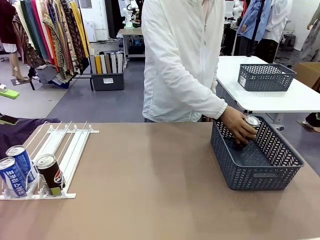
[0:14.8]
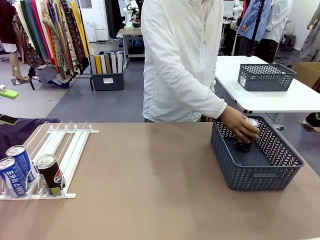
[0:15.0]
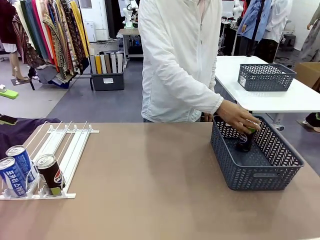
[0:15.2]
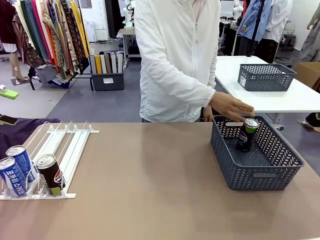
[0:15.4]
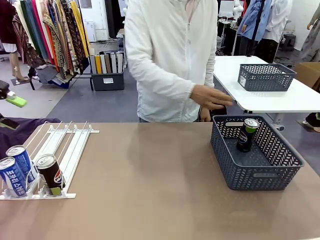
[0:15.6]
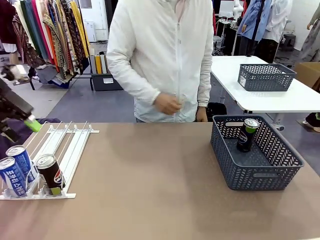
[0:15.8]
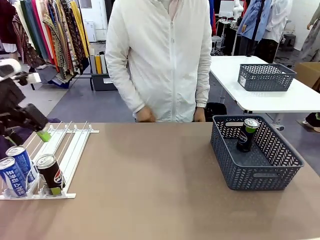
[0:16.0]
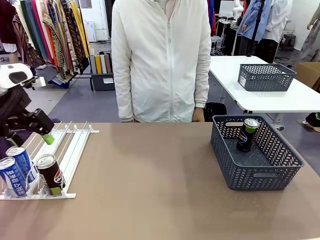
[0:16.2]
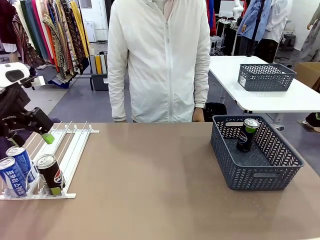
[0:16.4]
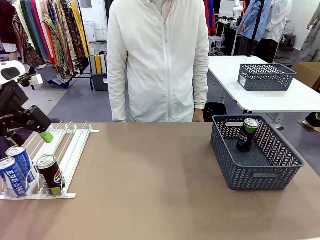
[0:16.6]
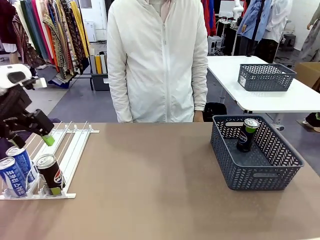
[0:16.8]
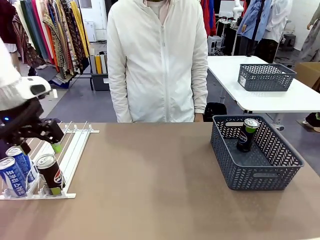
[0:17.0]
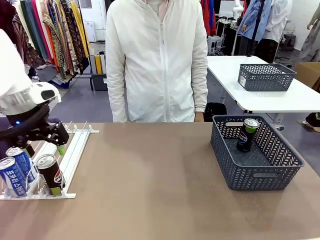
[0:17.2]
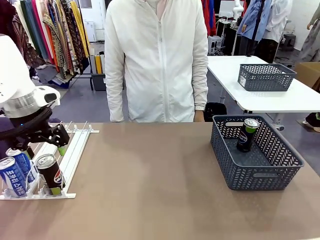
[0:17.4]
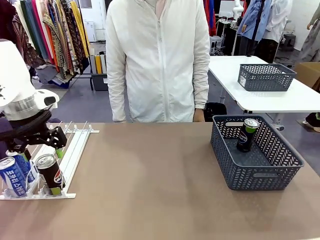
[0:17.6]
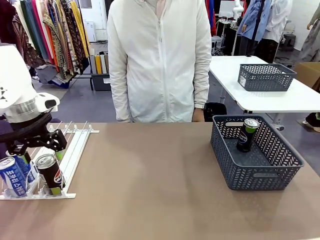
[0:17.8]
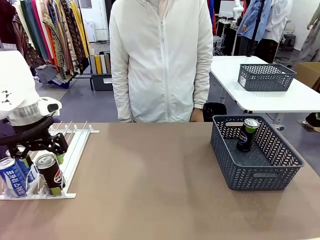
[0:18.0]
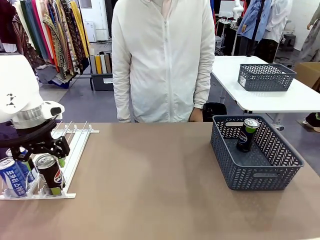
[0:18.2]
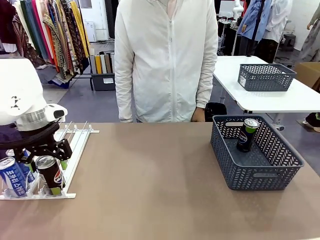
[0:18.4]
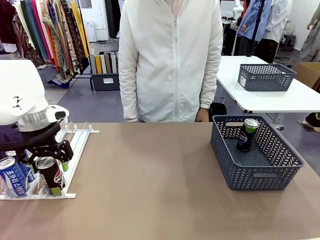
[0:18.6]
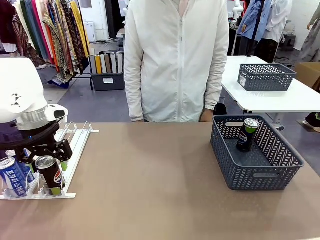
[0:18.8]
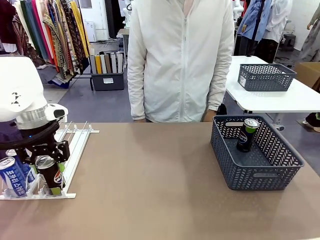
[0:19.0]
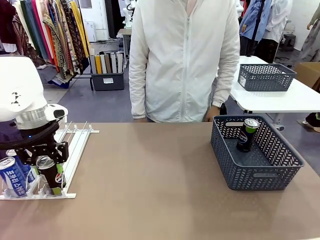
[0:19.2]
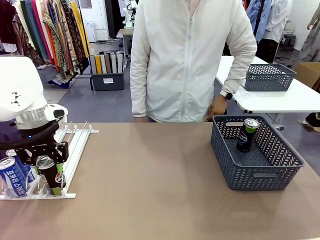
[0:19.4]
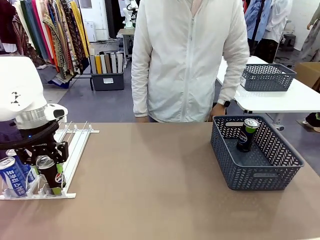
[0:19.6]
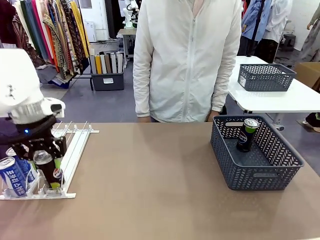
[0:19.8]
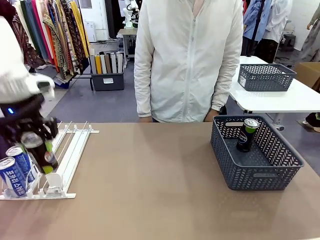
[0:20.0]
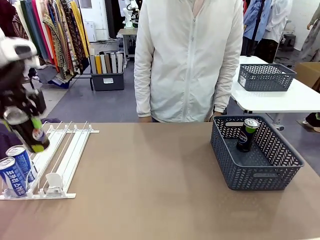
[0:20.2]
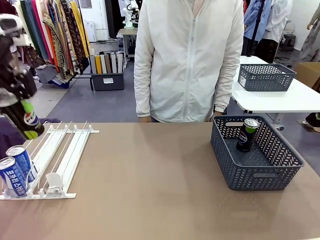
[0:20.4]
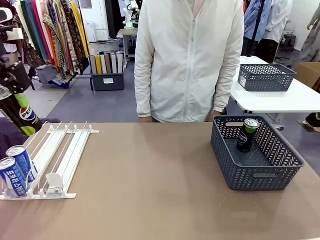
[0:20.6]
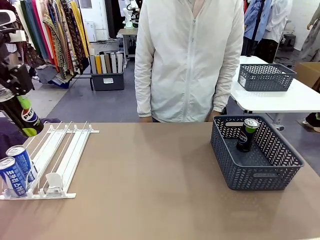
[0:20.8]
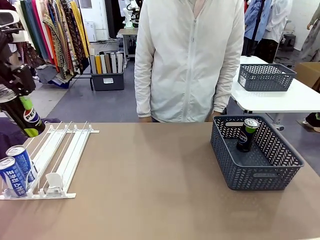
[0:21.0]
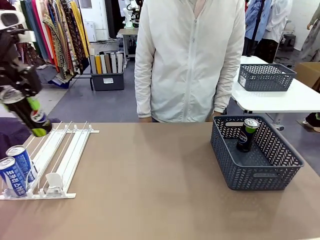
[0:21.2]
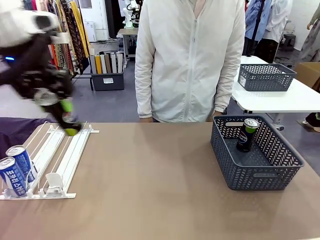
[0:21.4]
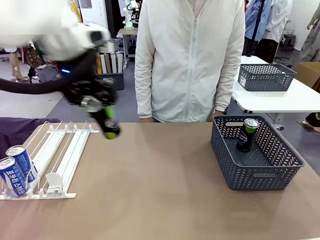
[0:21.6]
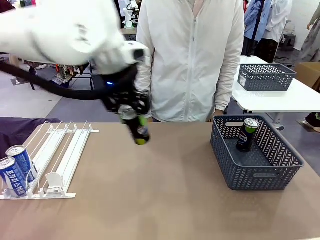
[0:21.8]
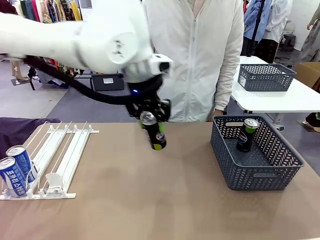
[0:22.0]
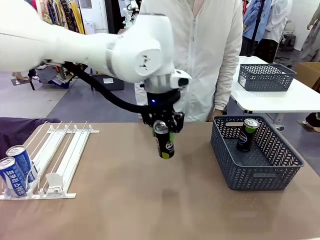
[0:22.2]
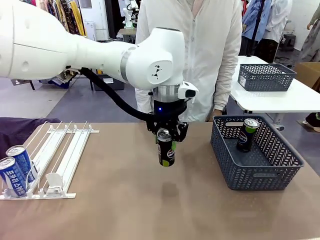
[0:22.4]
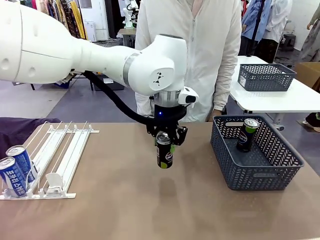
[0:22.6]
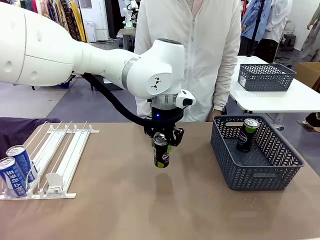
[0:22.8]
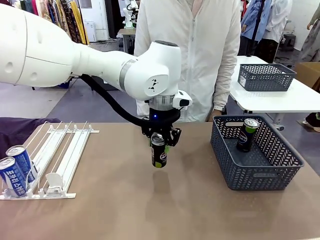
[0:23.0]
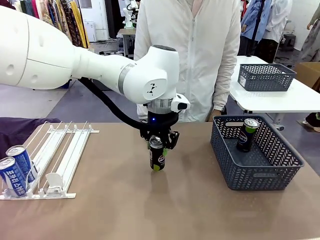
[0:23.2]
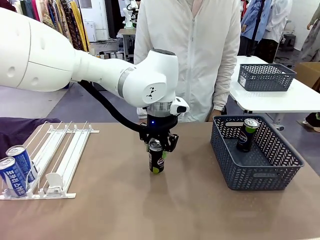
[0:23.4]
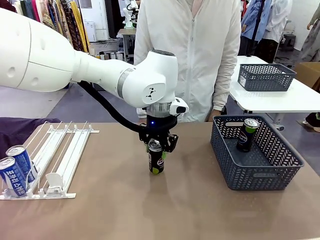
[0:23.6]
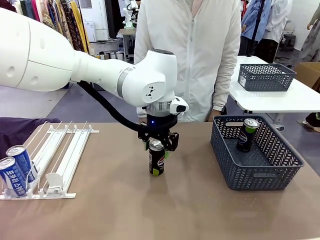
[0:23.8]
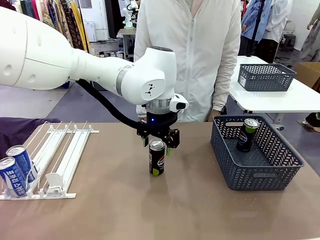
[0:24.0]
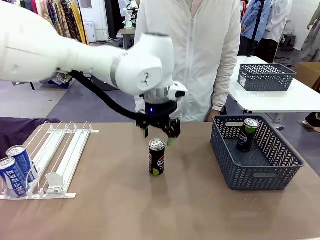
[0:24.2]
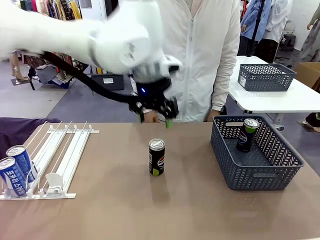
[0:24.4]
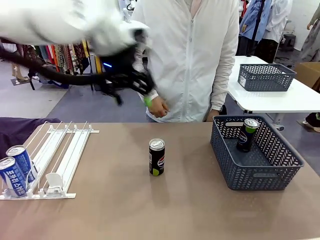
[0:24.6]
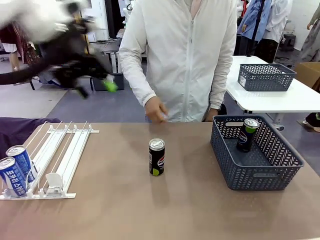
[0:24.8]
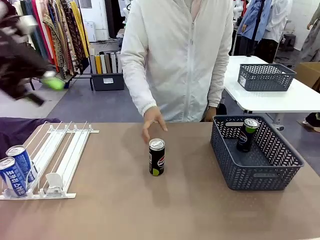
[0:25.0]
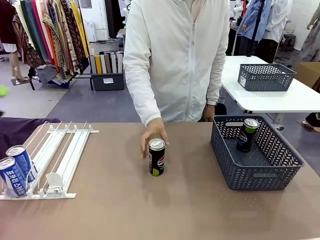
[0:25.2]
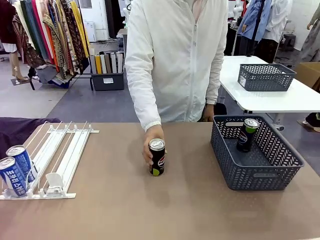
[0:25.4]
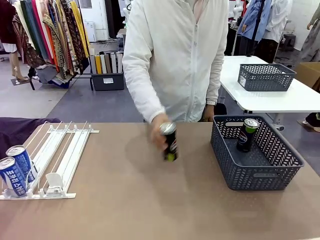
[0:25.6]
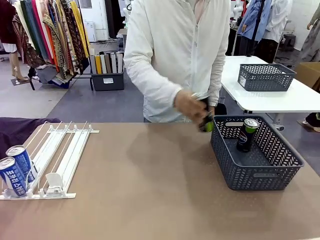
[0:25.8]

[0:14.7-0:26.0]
Task: Retrieve and store the cans from the dispenser.
Robot: Pick up the last remaining can from one row of the Automatic Can Dispenser and place it in the middle of the table.
Person: Pick up one Pepsi can from the middle of the robot table and place it in the basket.

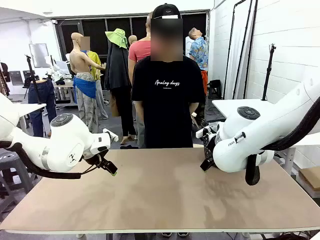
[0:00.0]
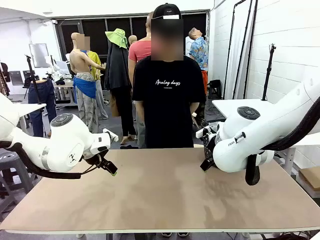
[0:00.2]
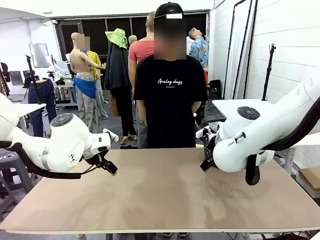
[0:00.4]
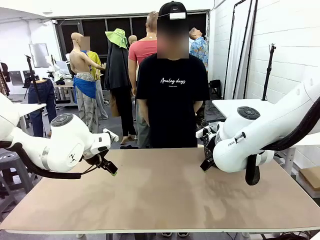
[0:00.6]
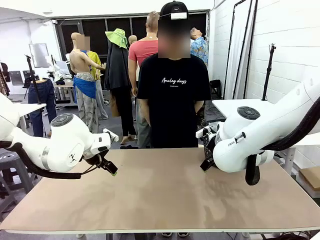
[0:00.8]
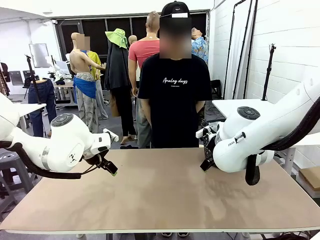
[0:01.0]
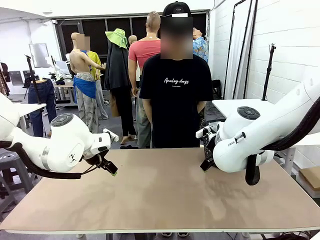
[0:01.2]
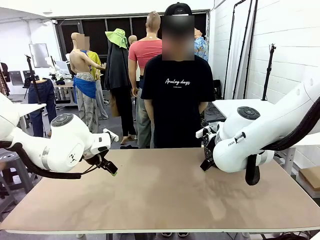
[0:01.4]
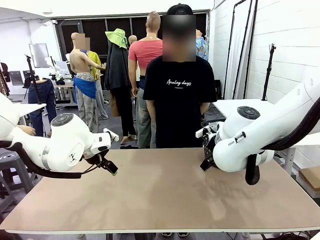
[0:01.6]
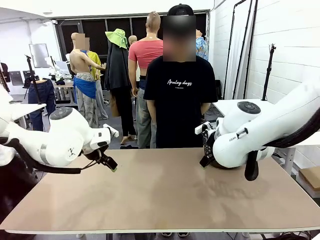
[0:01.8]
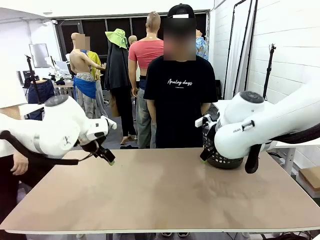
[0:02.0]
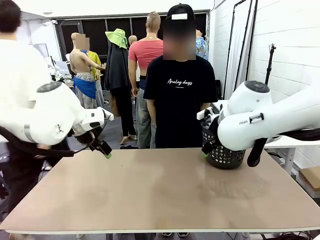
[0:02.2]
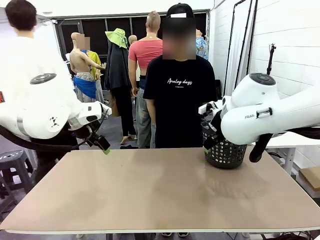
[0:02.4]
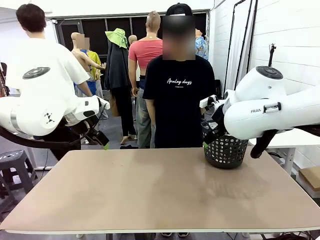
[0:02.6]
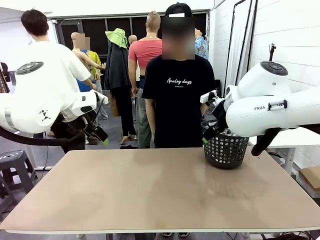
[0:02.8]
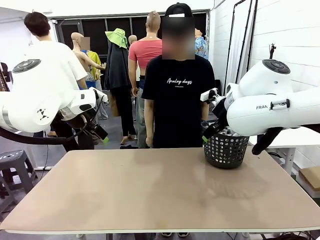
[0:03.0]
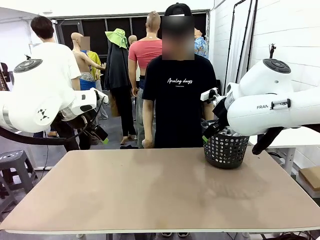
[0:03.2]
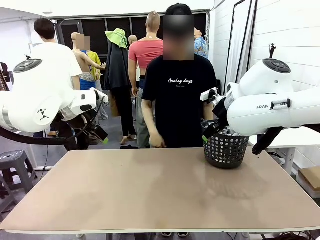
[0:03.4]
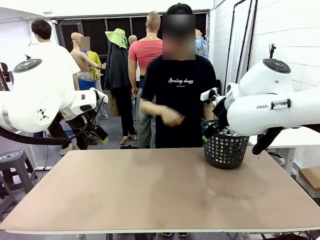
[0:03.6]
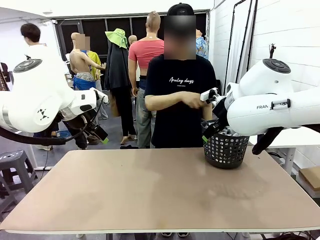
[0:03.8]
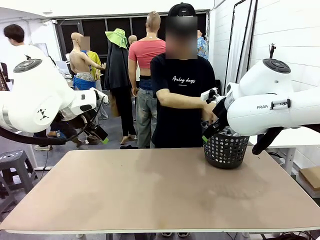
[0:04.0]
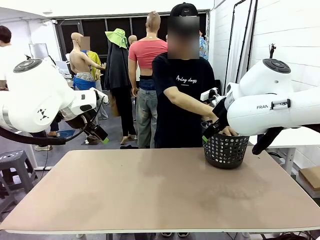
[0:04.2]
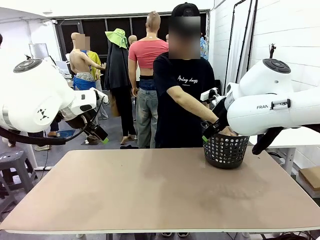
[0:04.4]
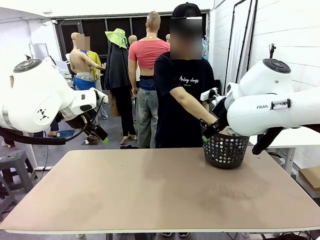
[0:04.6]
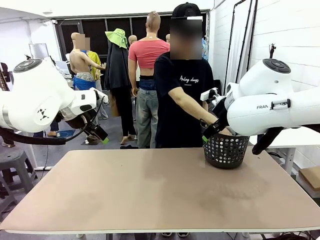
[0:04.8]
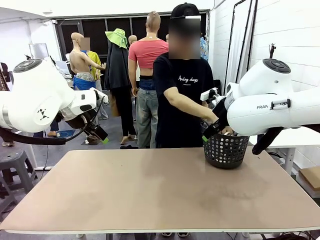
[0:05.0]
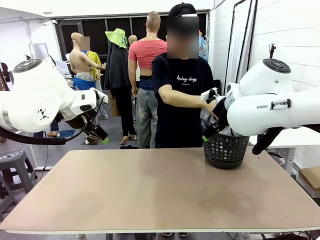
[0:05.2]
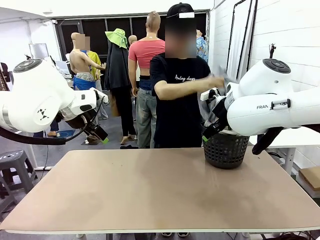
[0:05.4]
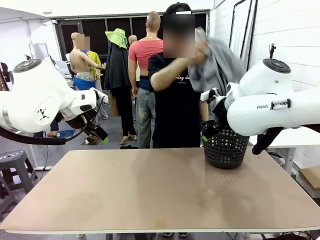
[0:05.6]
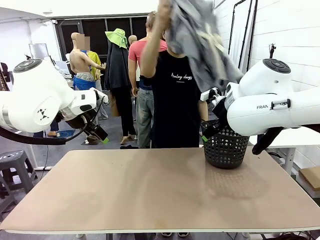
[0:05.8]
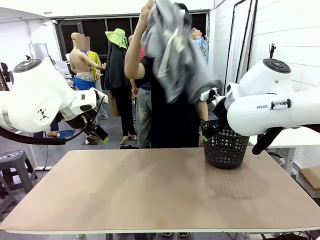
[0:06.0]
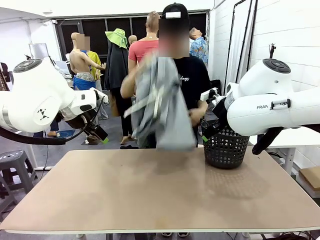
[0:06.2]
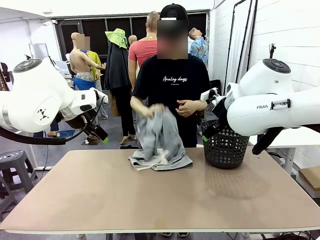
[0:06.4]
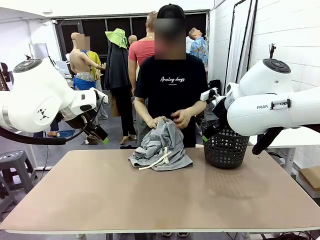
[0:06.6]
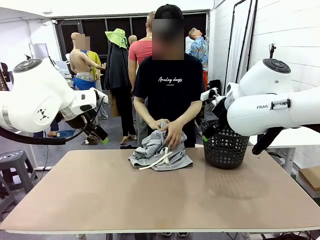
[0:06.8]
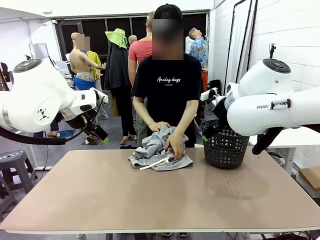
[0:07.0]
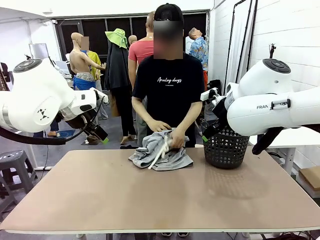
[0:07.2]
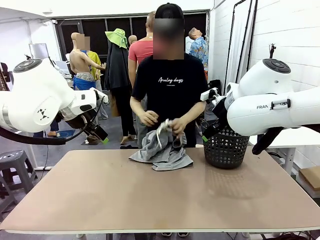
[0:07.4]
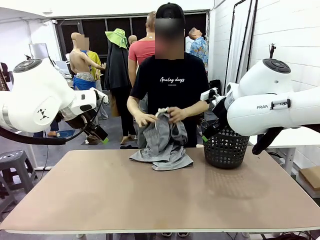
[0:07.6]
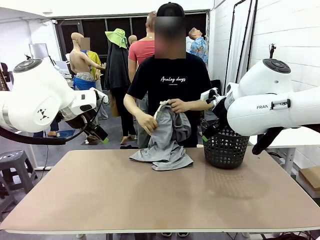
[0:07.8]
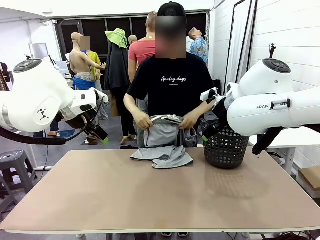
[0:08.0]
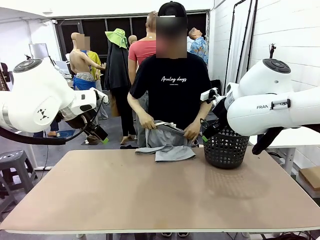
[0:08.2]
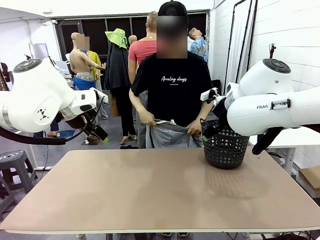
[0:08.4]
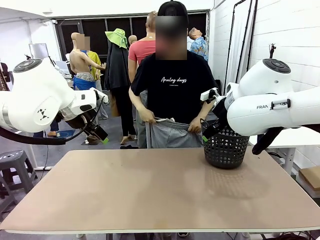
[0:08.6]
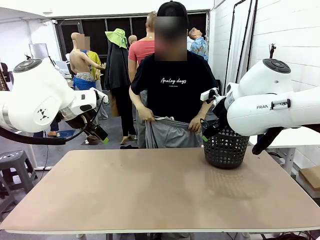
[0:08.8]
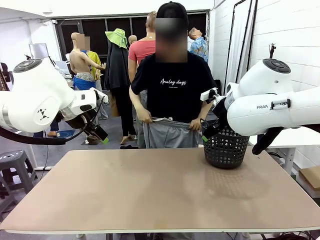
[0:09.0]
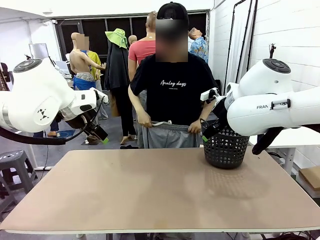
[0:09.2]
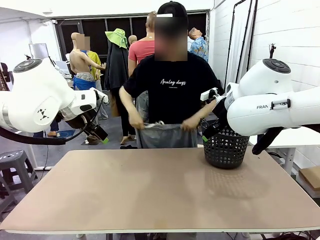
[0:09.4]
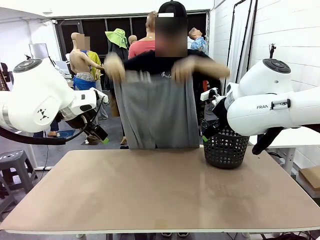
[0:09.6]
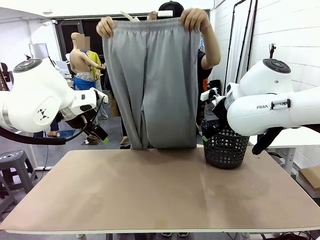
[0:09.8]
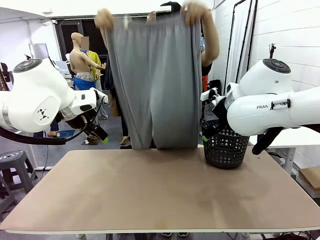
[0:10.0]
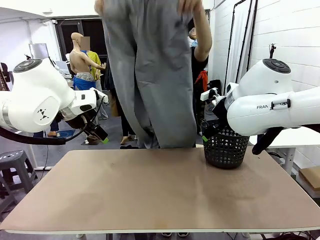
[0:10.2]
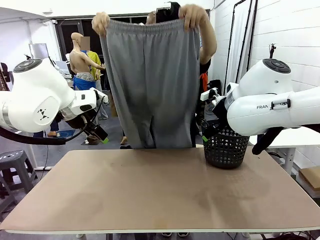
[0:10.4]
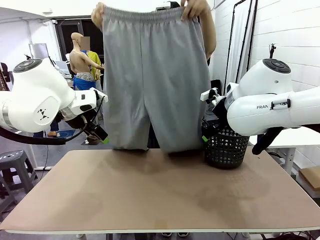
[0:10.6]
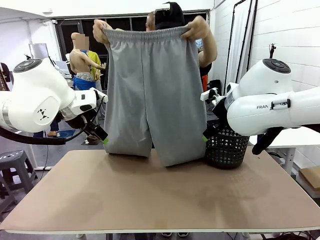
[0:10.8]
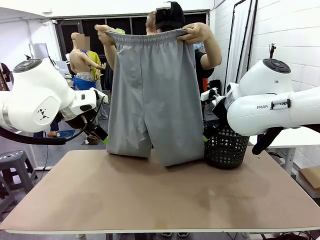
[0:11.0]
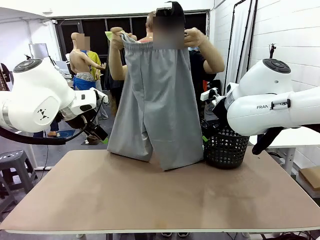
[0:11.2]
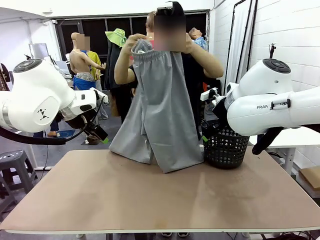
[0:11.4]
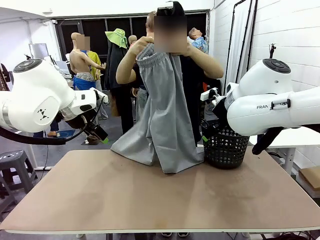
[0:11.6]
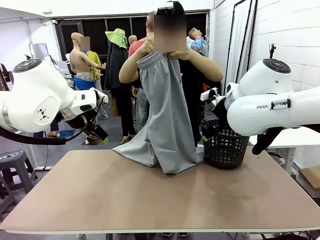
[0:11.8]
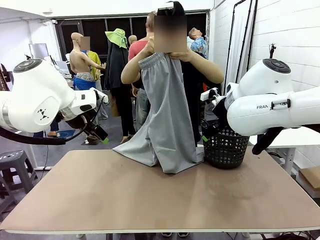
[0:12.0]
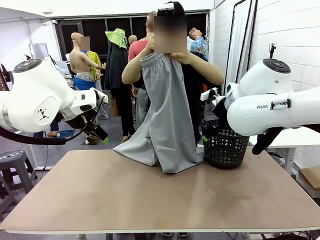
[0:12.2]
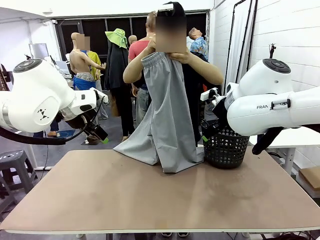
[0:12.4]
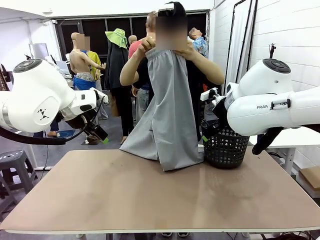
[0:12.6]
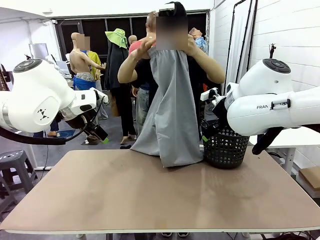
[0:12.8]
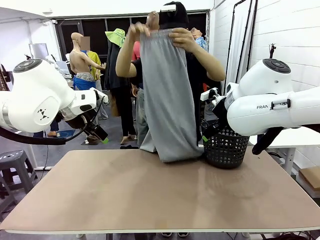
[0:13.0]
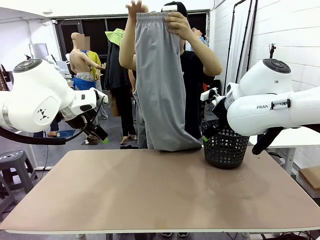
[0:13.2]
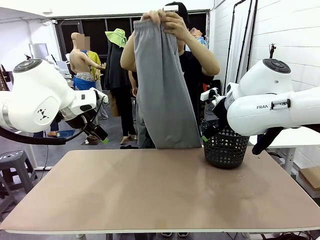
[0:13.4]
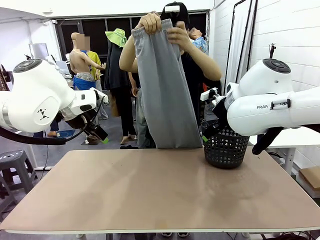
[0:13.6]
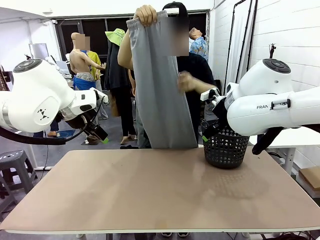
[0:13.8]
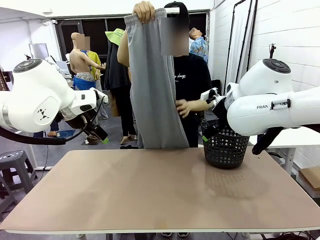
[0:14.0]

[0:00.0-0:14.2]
Task: Fold the training pants.
Robot: Grab both ends of the Training pants handed by a person.
Person: Take the long pants out of the laundry basket, unfold them, fold the waist in half, and extend them so the robot can pick up both corners.
